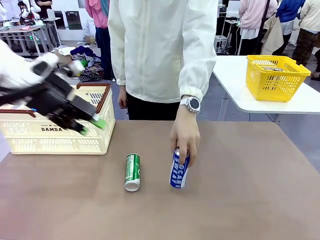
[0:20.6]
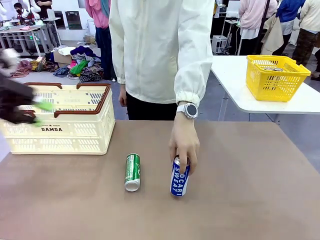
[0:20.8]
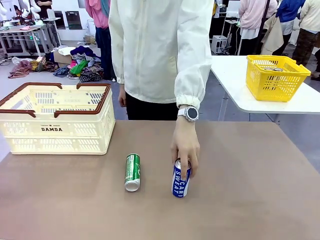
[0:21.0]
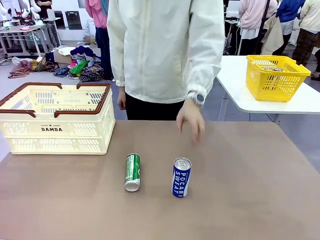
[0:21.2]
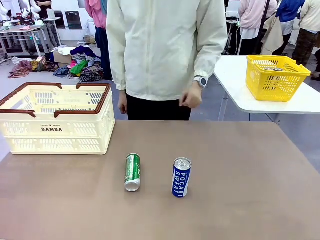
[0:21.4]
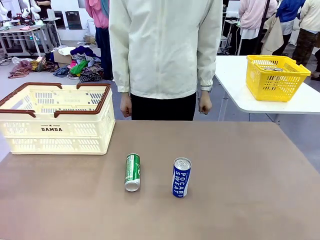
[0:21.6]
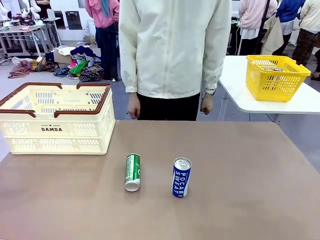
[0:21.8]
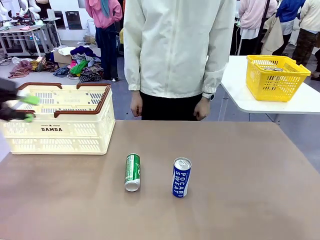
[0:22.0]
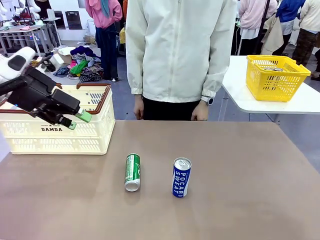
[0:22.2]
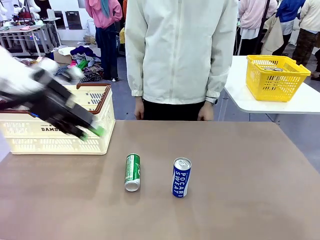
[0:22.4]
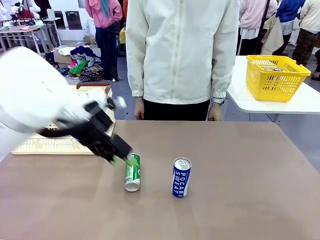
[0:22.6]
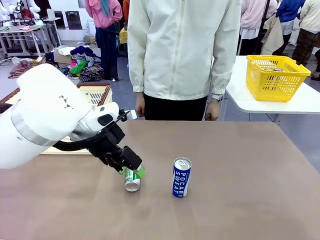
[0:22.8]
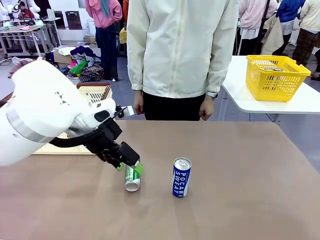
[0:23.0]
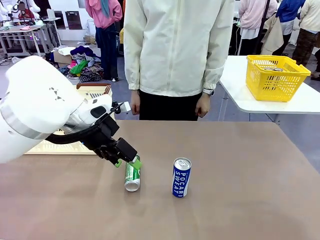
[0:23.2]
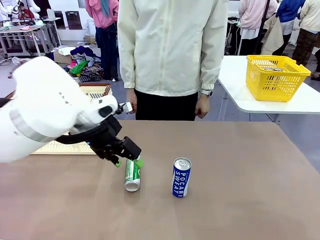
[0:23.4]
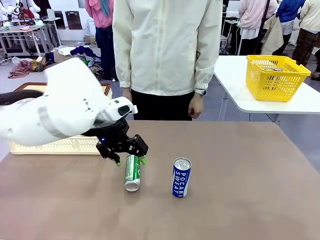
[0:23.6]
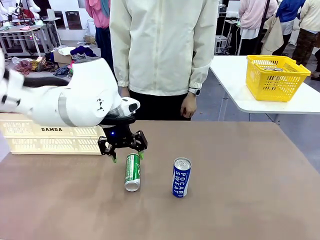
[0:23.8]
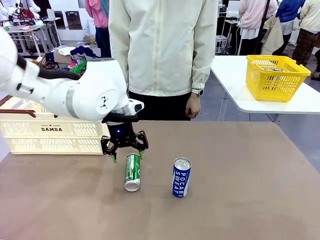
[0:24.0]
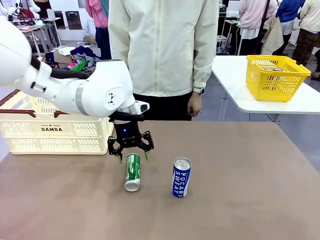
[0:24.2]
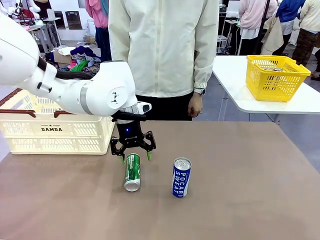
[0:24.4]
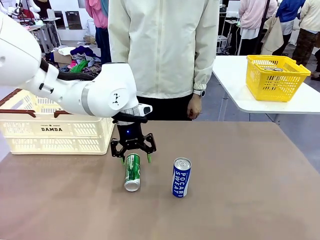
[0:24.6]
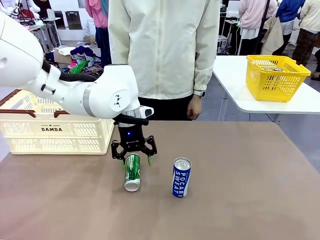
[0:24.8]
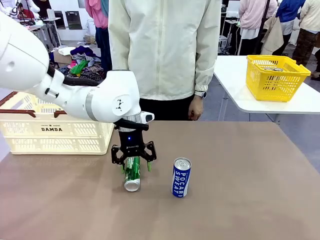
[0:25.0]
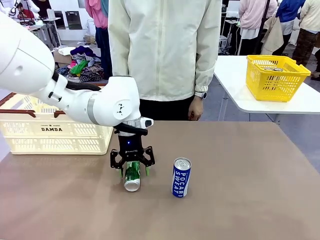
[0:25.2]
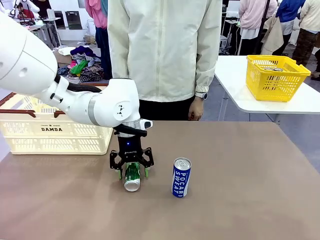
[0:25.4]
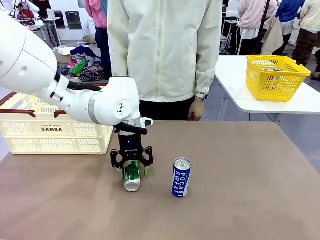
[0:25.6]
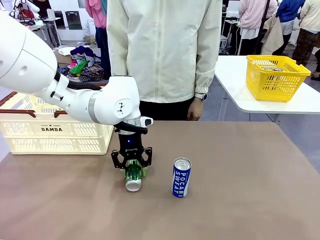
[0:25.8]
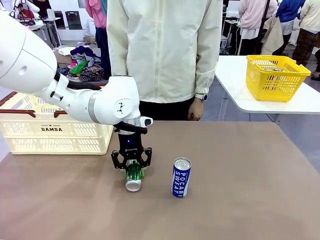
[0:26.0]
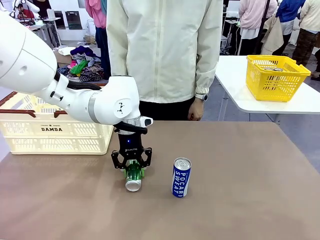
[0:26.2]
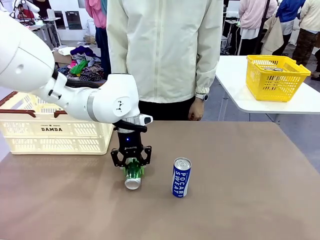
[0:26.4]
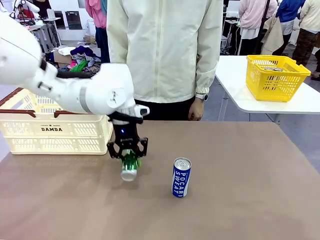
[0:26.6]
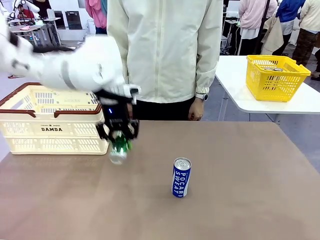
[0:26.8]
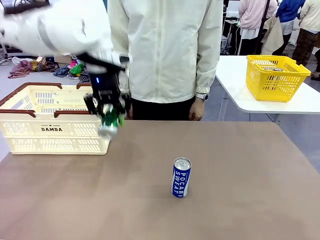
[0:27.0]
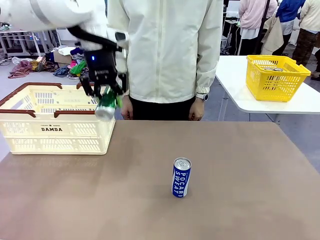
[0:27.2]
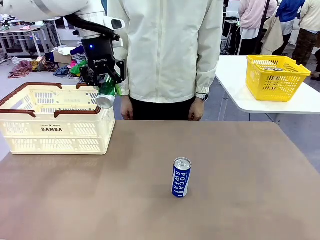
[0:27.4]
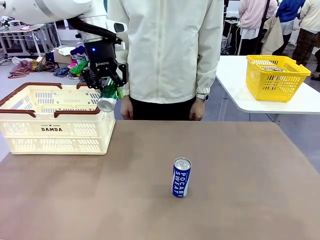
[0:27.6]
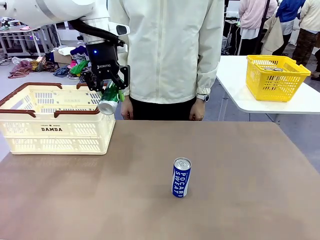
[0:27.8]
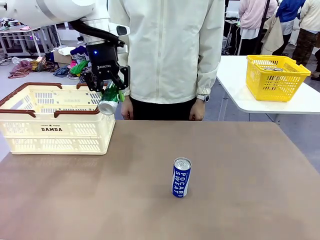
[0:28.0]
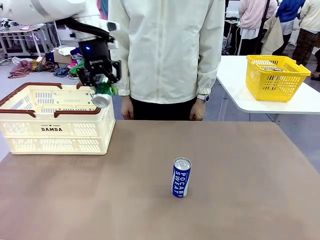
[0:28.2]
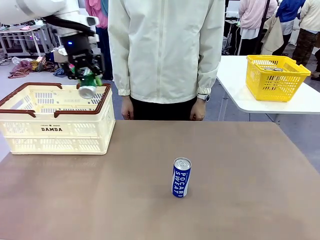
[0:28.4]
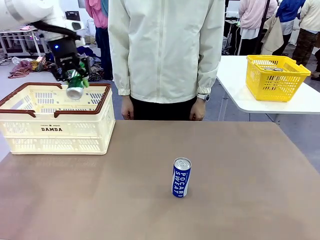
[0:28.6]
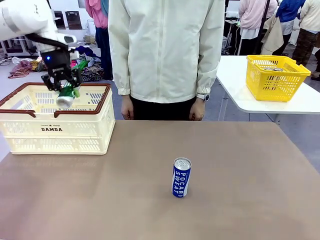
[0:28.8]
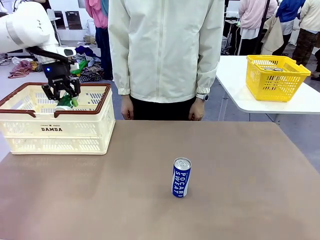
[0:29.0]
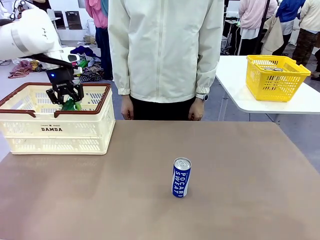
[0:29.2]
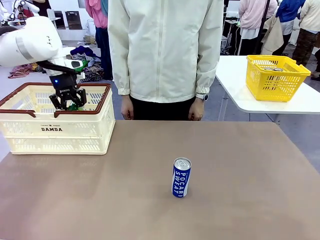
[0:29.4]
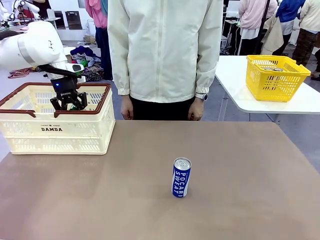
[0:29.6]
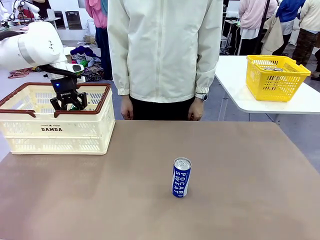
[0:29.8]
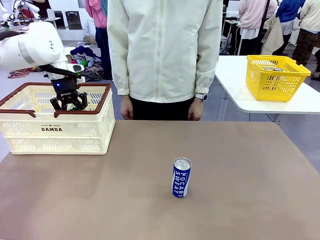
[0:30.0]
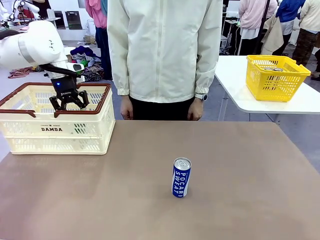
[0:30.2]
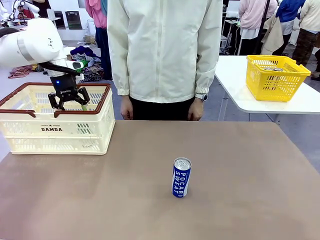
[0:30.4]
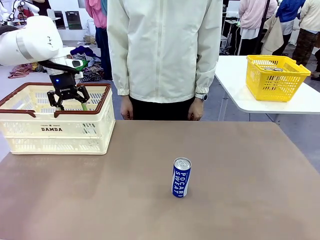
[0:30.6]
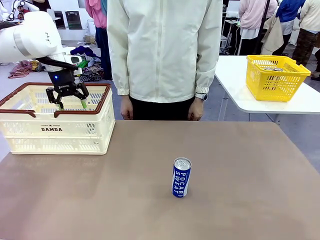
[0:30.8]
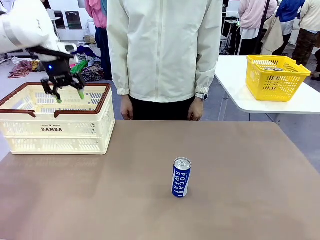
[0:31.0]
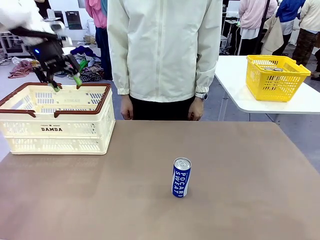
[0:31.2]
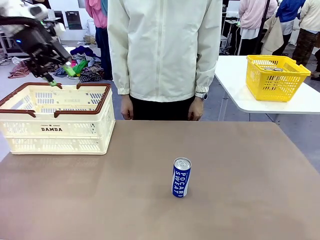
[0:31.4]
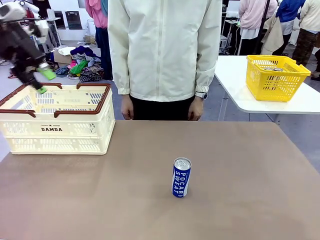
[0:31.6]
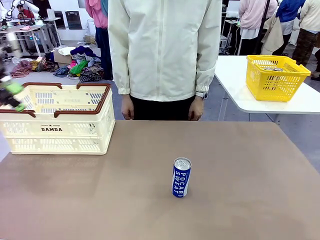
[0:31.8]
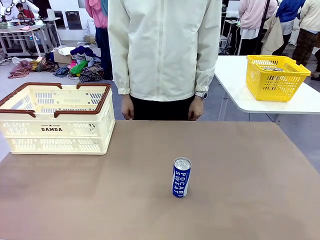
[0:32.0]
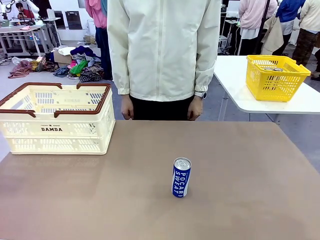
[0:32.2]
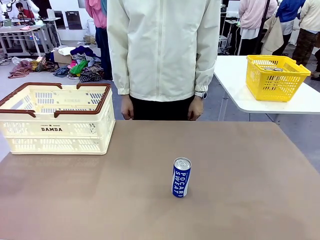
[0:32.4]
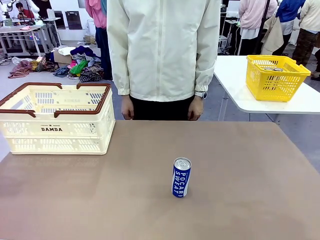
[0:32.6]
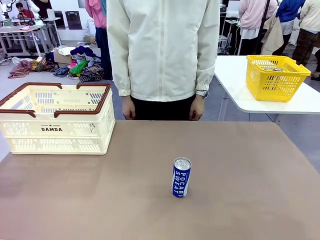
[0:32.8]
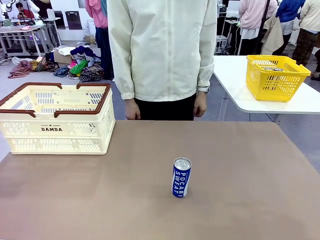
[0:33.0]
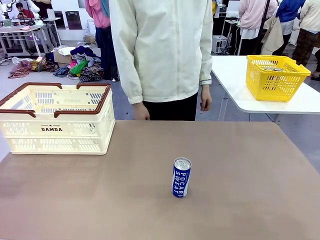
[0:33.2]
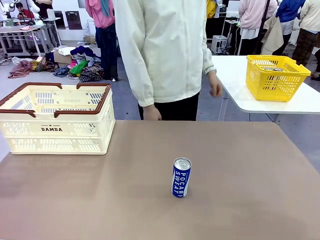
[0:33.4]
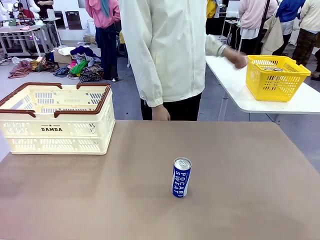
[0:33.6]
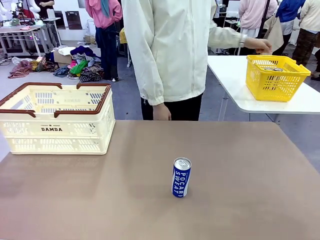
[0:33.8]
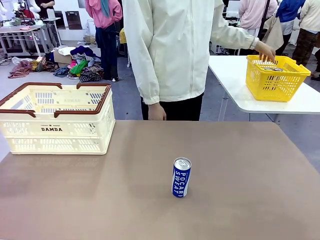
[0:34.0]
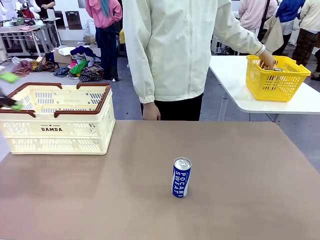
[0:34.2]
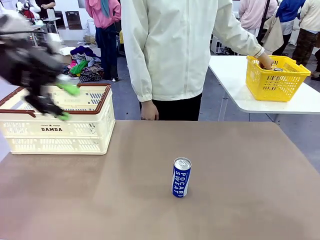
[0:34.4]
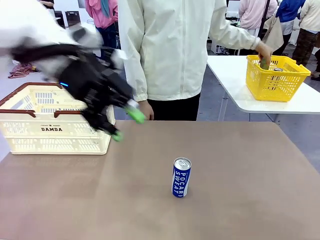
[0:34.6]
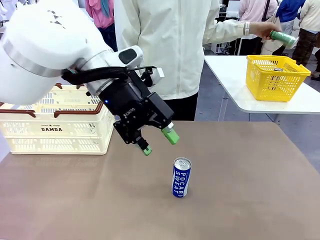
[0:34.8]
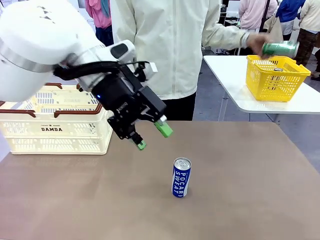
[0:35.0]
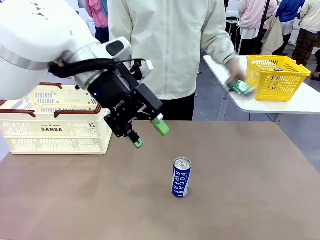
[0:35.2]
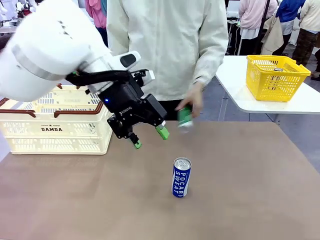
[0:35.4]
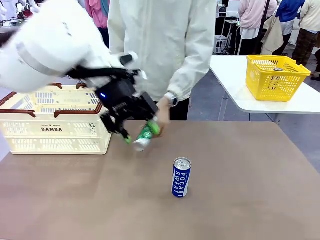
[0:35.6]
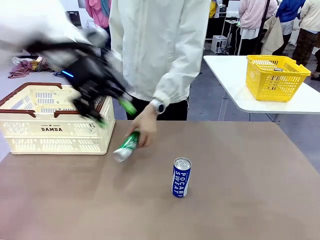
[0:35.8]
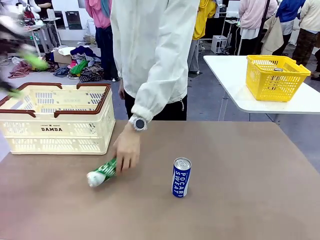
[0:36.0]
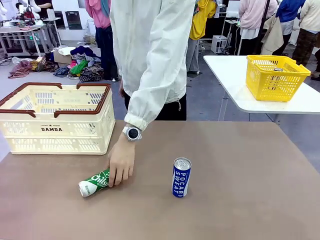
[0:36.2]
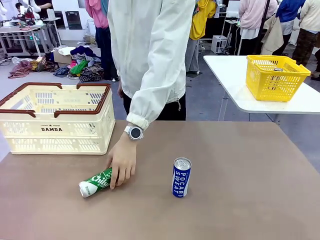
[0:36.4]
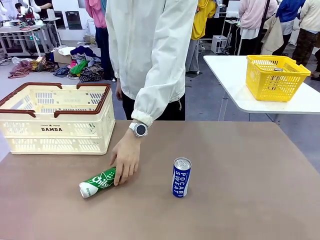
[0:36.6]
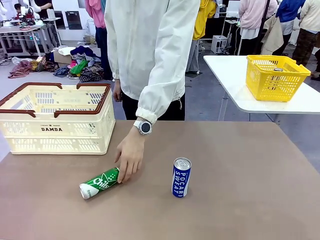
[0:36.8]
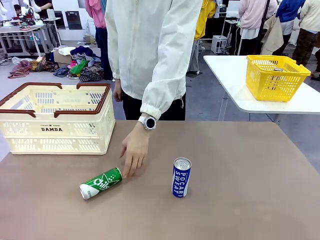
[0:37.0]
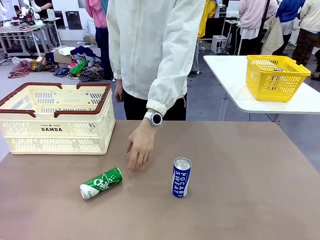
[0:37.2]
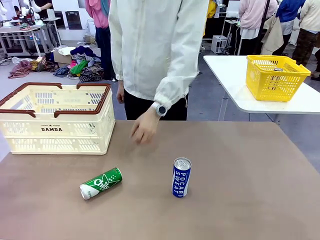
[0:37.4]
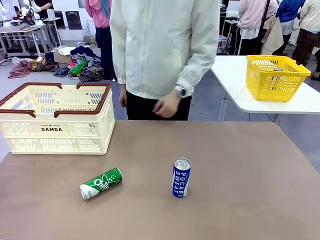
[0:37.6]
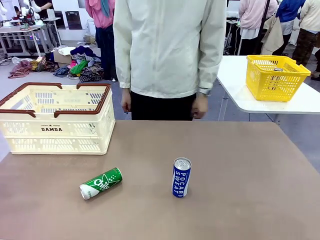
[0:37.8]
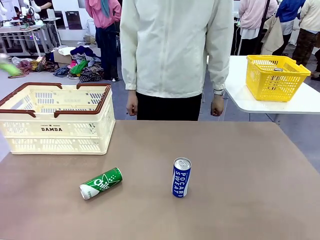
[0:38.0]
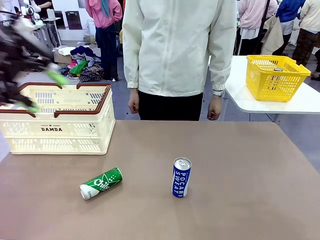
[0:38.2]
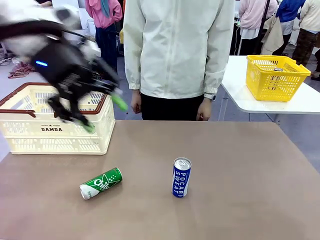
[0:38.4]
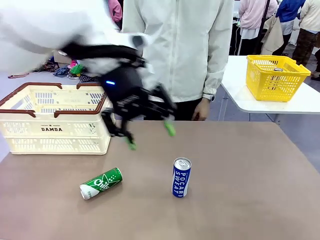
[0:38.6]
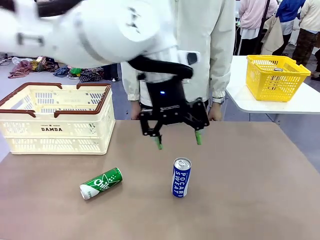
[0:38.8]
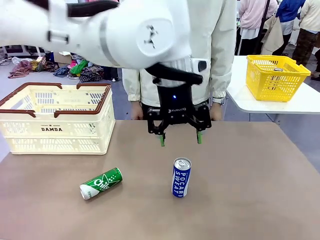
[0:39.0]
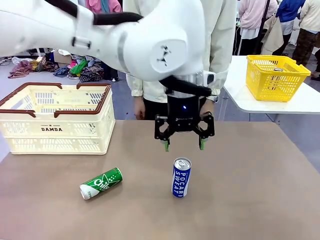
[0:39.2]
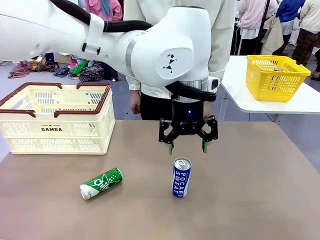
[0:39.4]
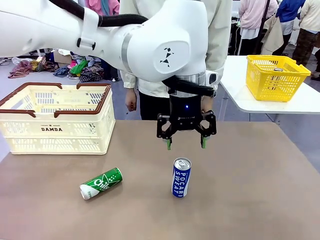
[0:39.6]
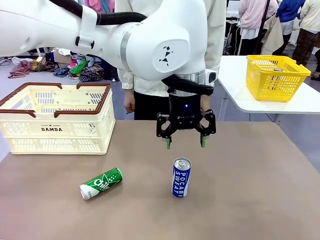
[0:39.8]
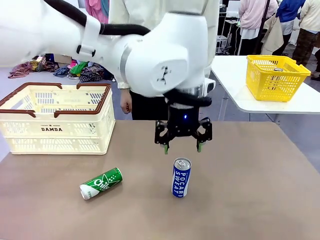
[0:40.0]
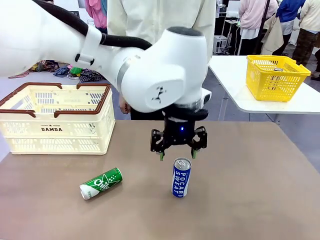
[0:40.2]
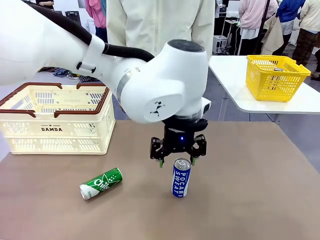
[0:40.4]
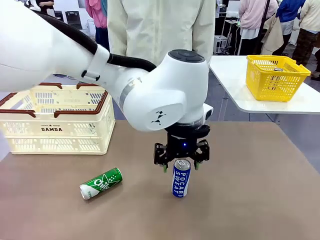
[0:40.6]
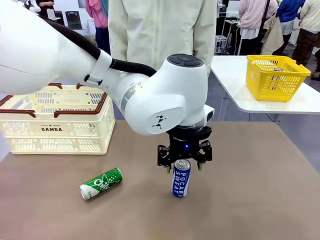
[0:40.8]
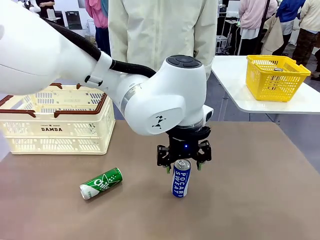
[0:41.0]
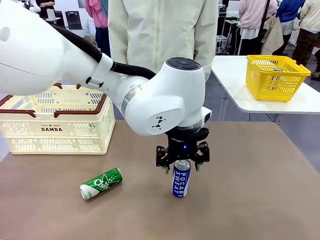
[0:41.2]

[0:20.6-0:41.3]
Task: Place the drinks into the Shopping basket.
Robot: Pick up one drink and place it into the Shopping basket.
